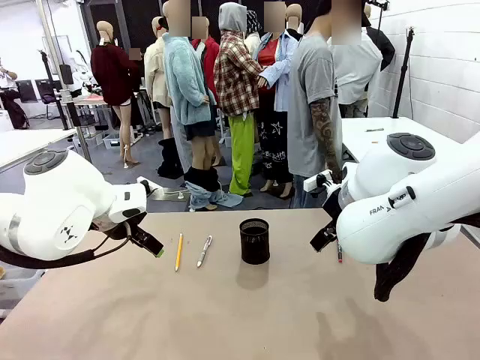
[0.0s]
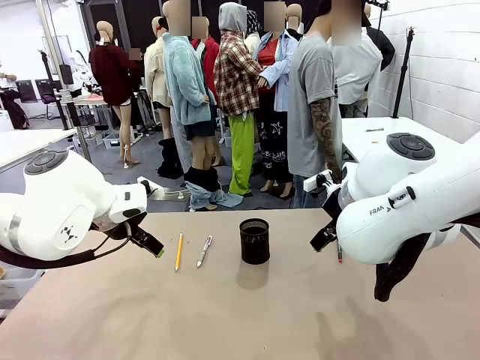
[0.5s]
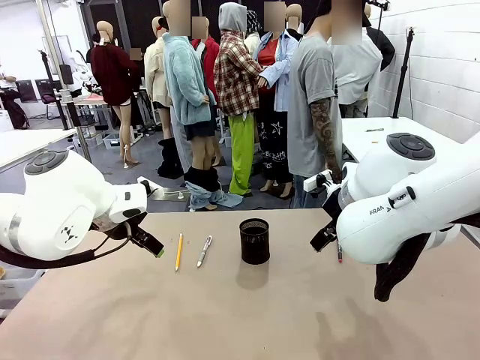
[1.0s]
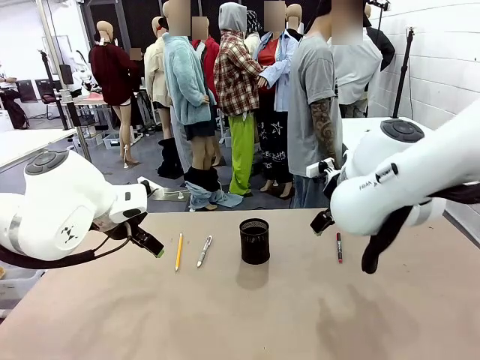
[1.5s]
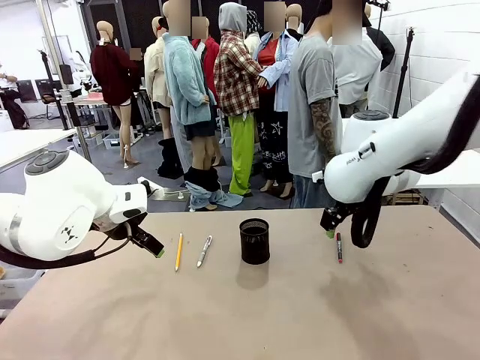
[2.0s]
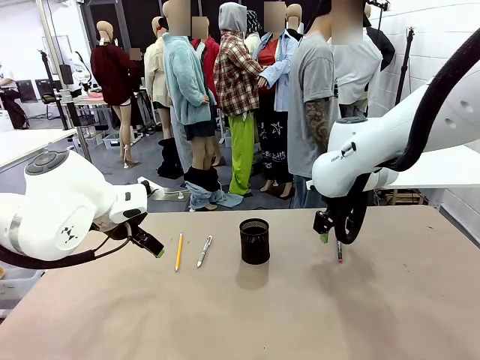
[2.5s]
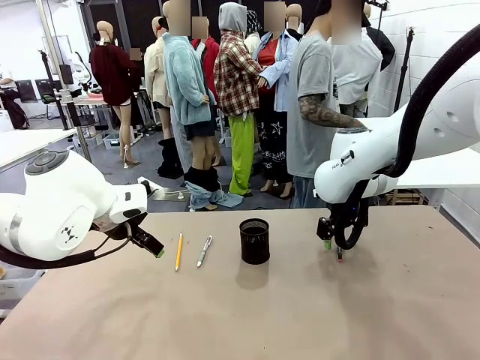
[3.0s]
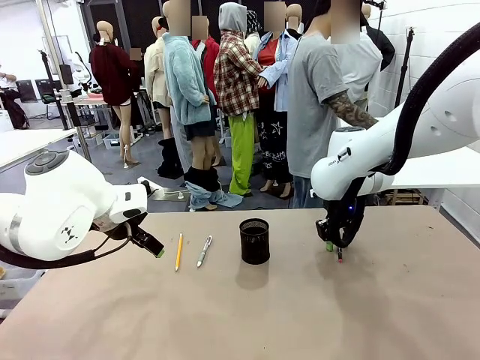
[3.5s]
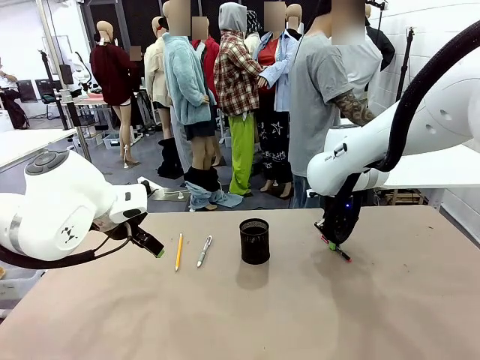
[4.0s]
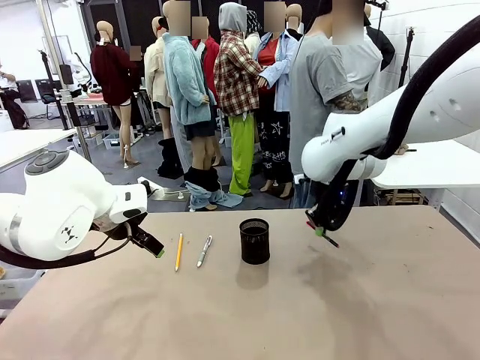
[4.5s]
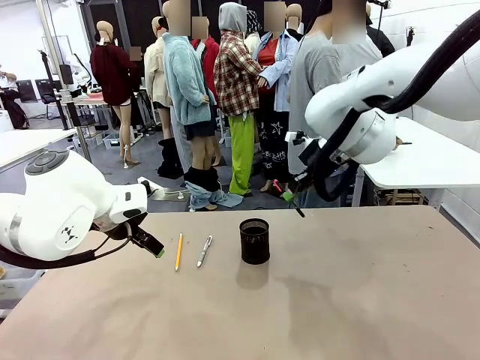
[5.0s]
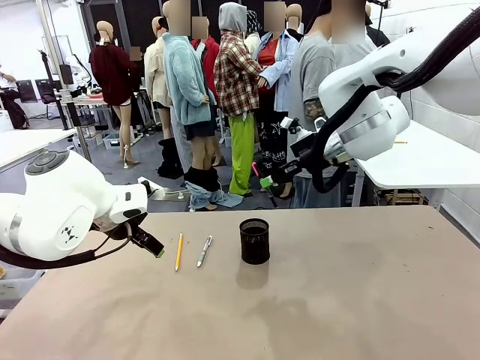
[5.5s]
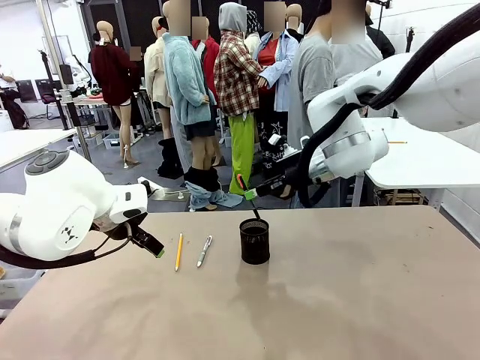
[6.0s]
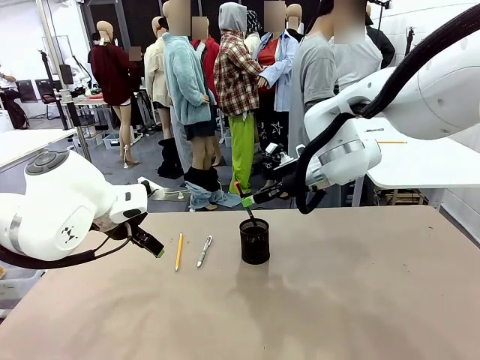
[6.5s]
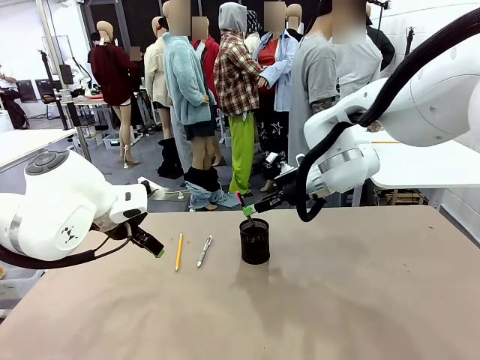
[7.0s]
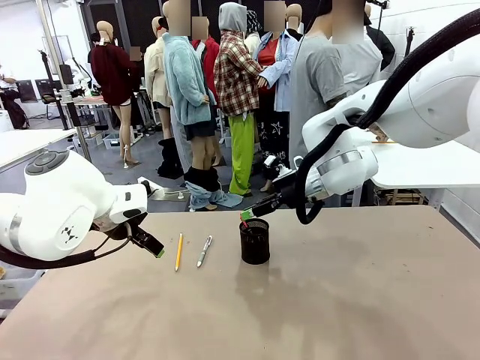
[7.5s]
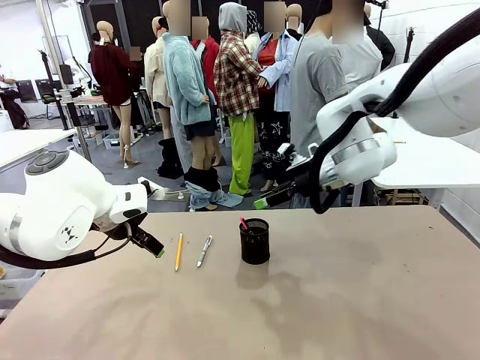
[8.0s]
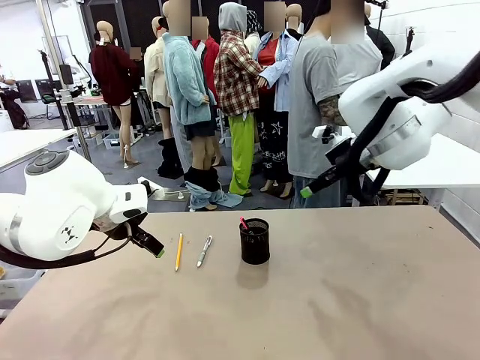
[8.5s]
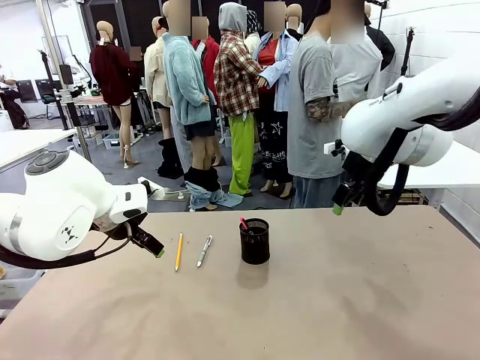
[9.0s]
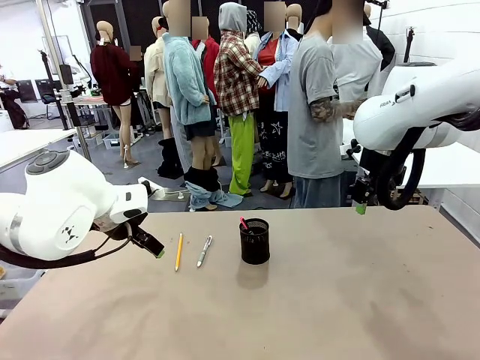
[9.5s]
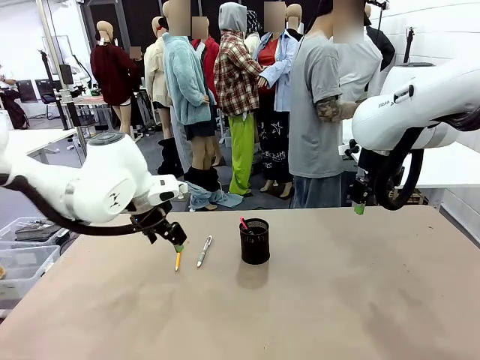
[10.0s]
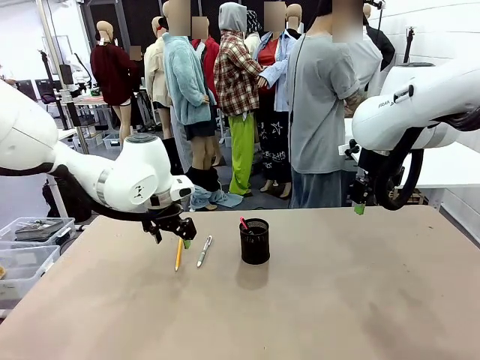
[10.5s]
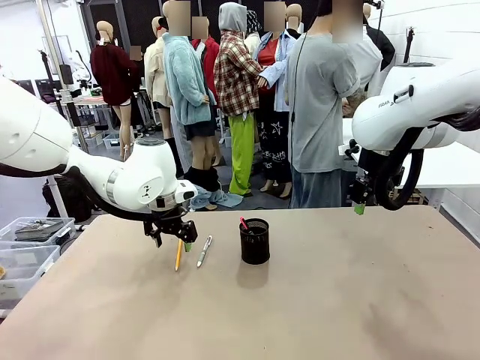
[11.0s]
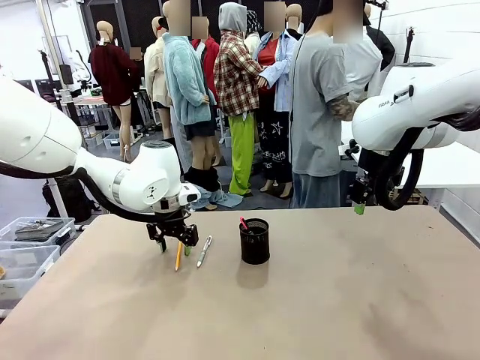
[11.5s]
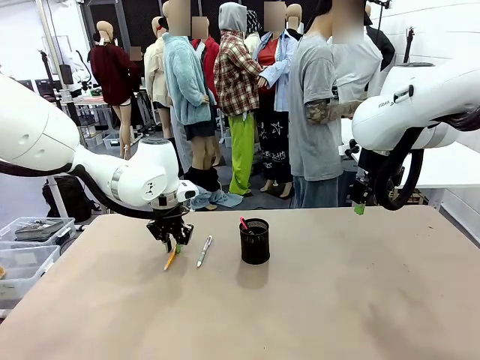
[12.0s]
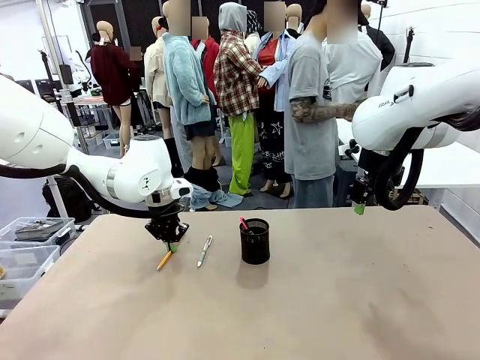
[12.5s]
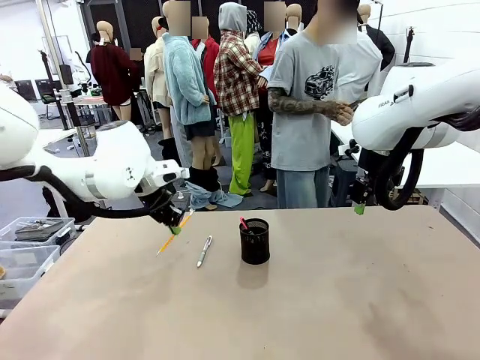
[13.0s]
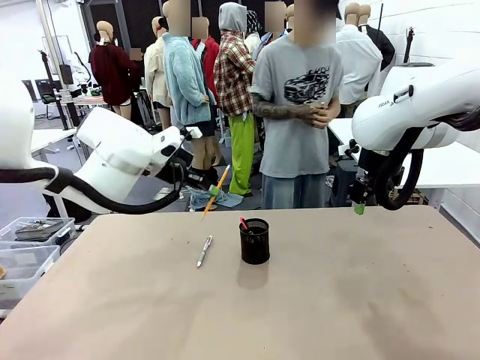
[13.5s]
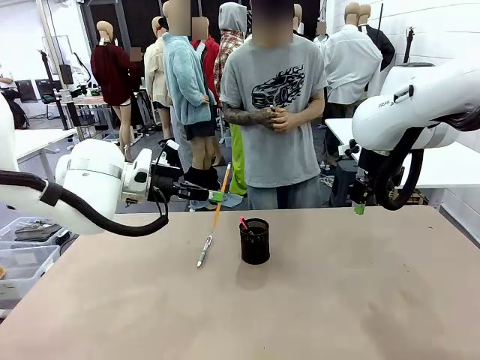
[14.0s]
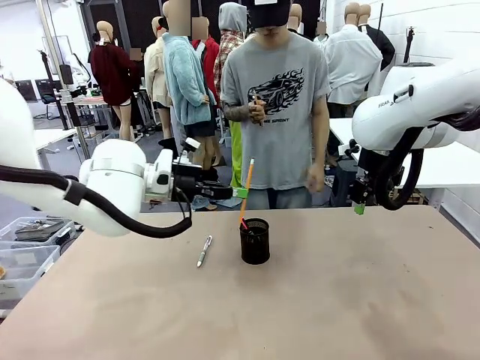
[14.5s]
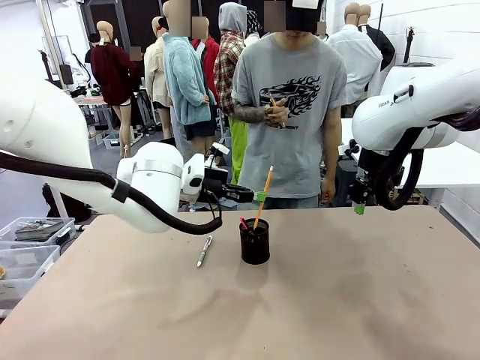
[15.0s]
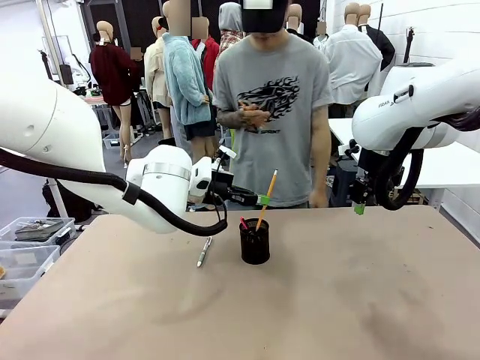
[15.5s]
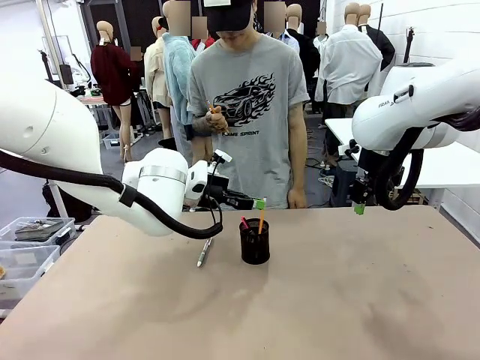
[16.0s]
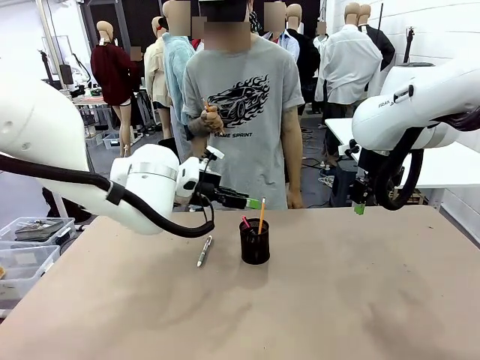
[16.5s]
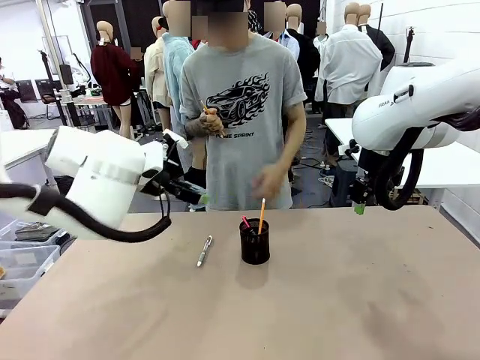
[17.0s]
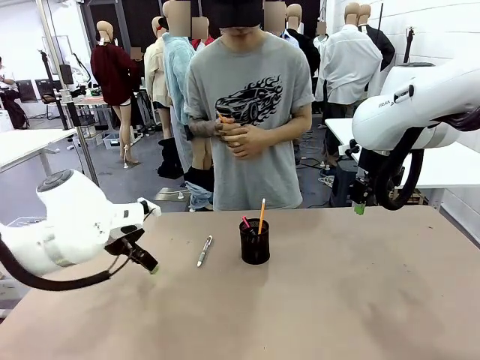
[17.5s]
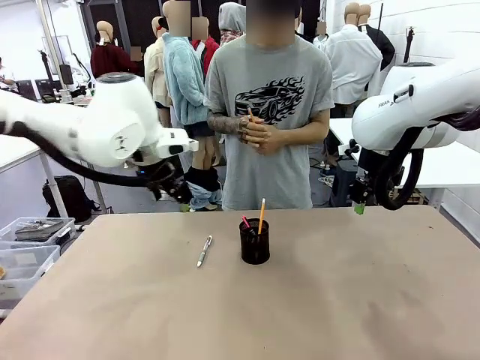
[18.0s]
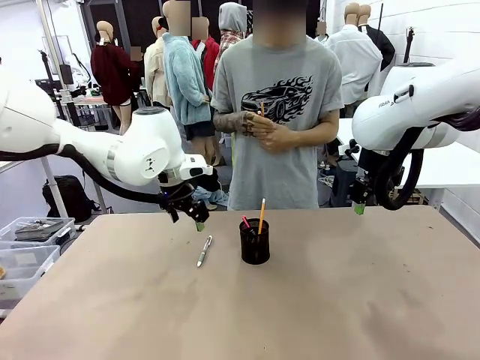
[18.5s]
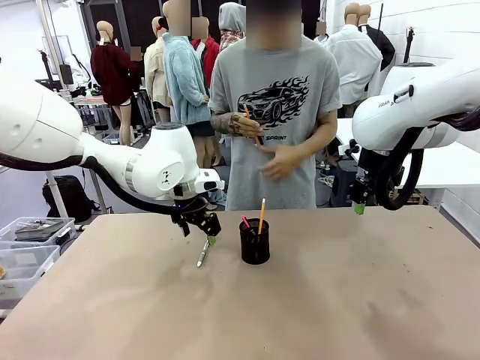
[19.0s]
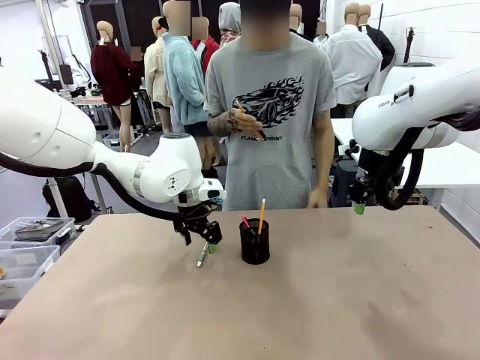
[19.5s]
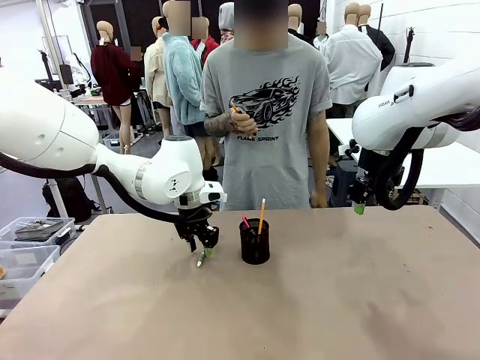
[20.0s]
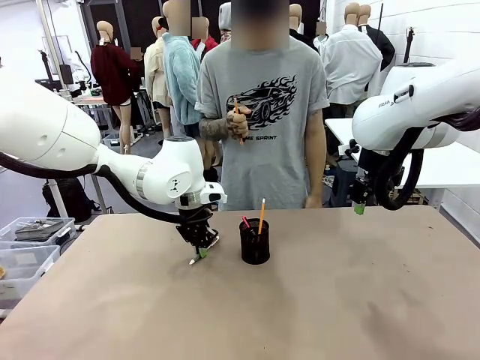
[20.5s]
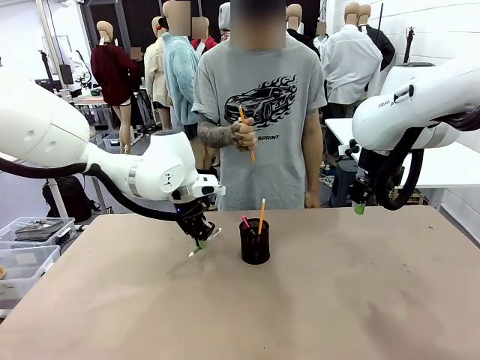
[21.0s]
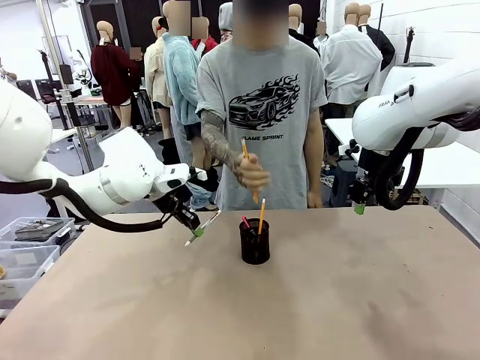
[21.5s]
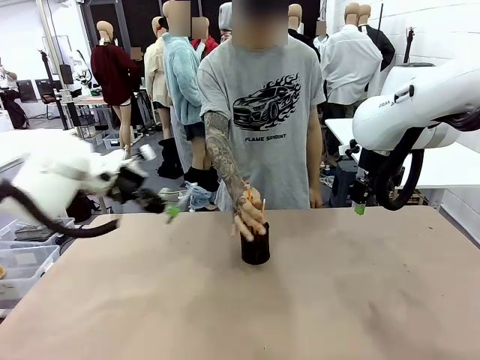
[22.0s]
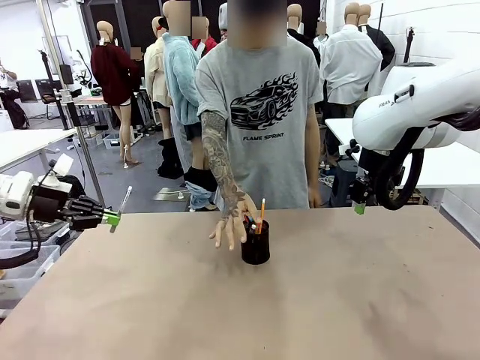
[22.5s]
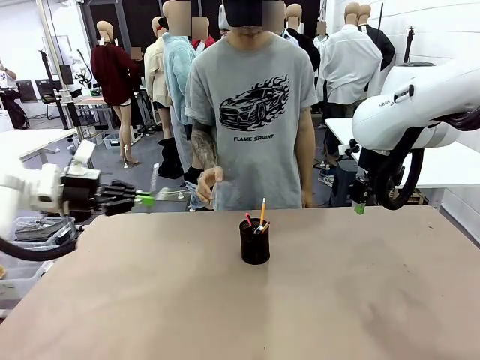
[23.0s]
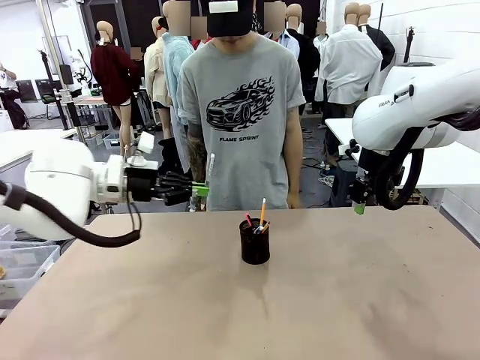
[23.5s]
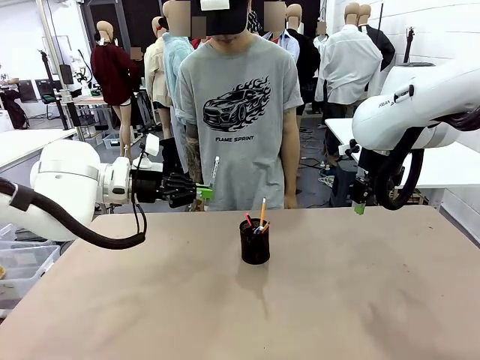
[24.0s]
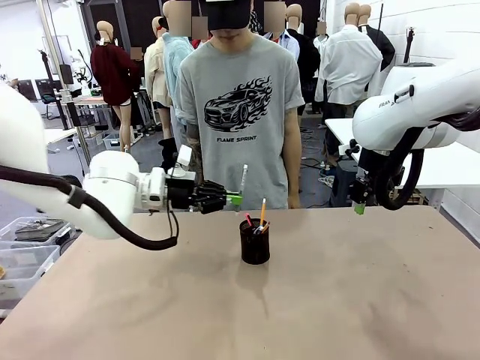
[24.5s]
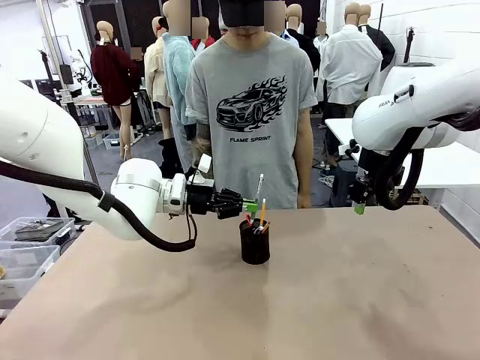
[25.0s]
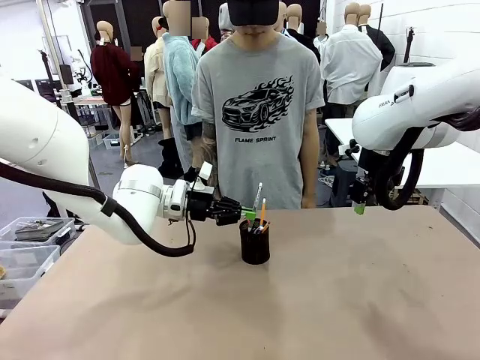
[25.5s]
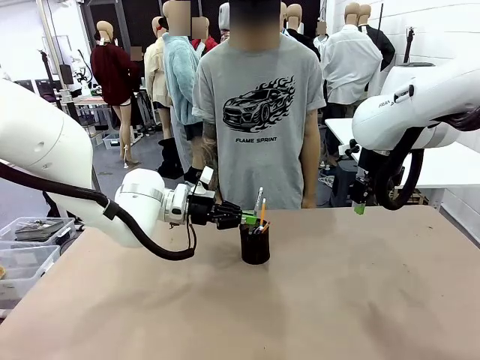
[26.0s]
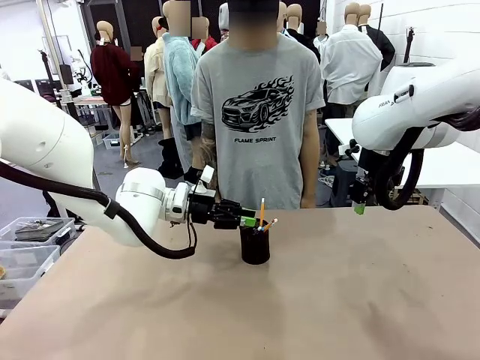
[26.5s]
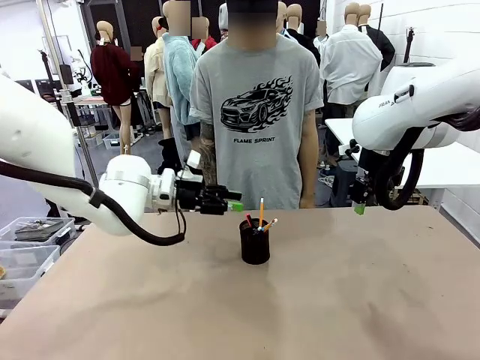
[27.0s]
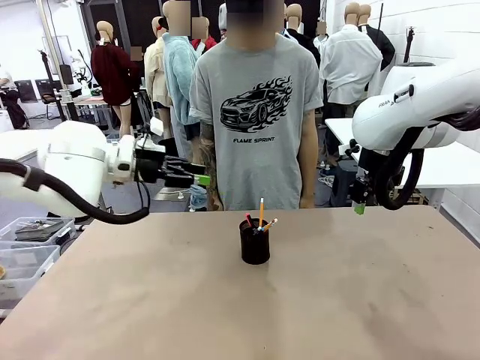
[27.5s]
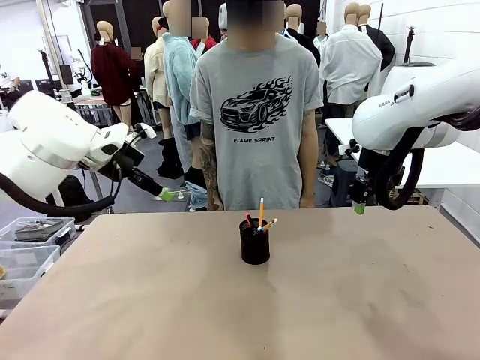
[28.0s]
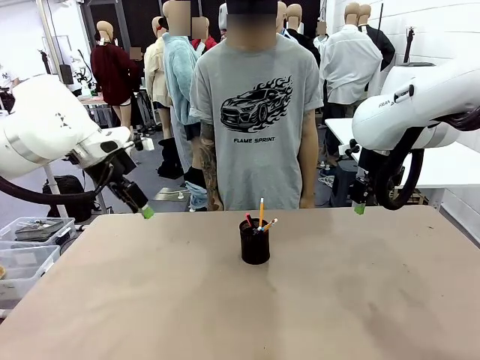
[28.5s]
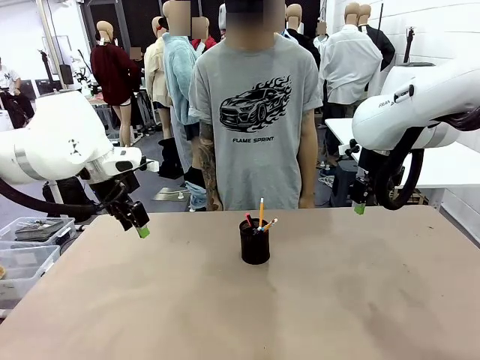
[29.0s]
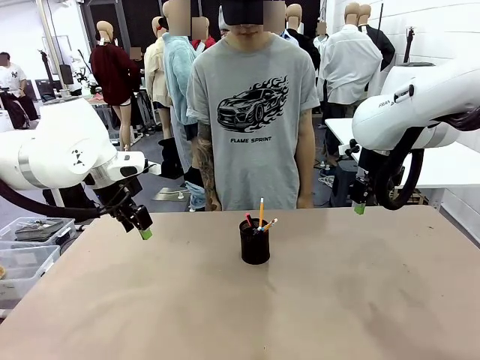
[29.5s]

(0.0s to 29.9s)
Task: Place the pens into the pen holder.
Robot: Pick up a writing instrument from the table and place it into the Pen holder.
Person: Pick up all writing instruments from the Human table. Place all writing instrument into the Pen holder.
